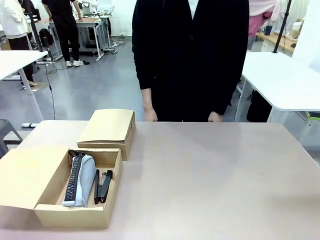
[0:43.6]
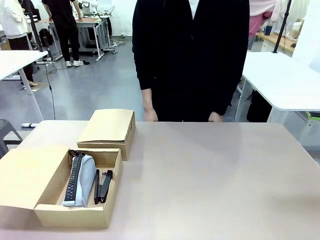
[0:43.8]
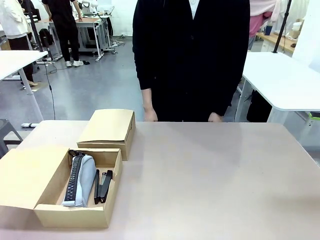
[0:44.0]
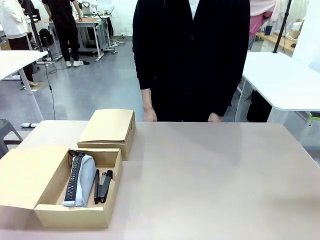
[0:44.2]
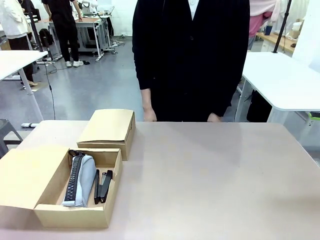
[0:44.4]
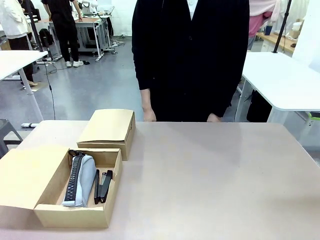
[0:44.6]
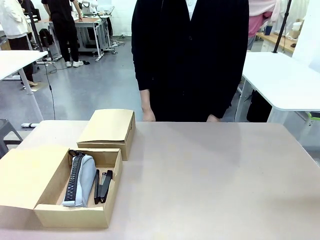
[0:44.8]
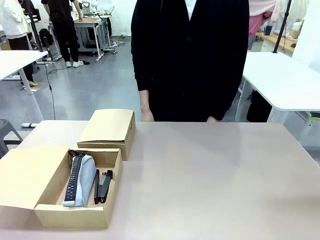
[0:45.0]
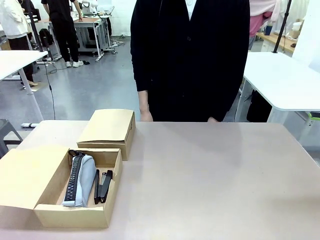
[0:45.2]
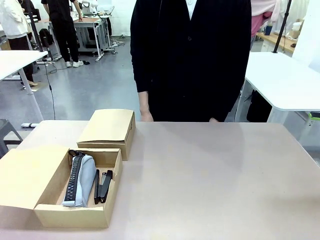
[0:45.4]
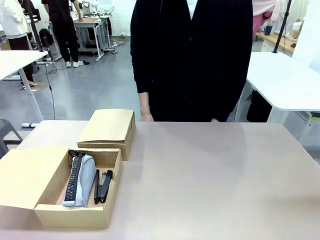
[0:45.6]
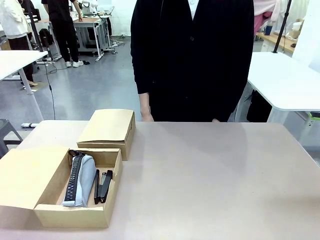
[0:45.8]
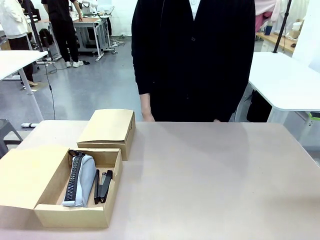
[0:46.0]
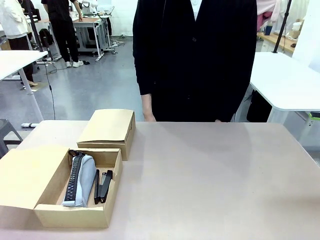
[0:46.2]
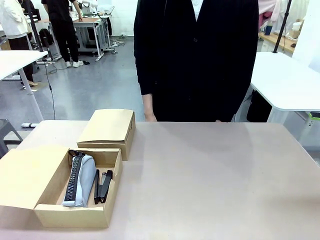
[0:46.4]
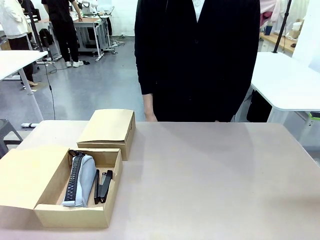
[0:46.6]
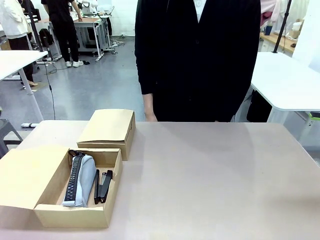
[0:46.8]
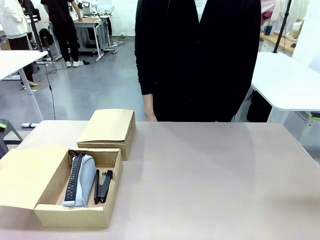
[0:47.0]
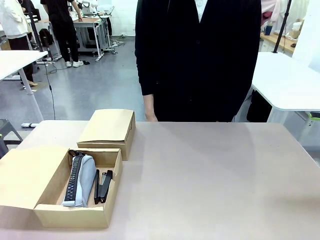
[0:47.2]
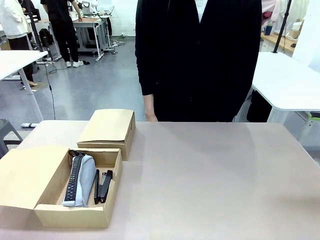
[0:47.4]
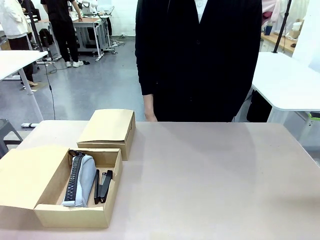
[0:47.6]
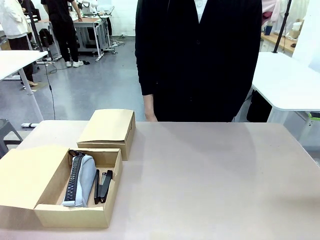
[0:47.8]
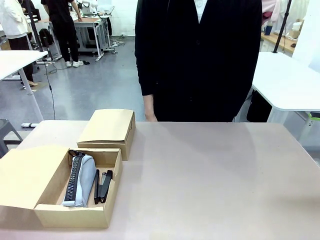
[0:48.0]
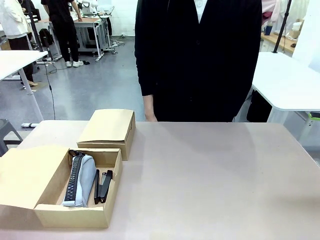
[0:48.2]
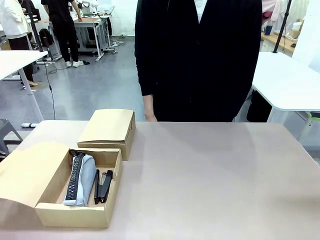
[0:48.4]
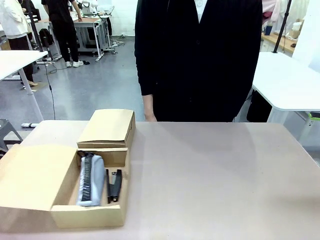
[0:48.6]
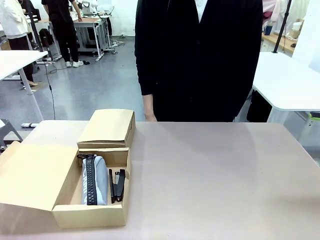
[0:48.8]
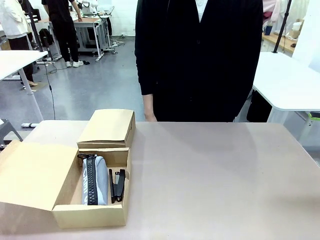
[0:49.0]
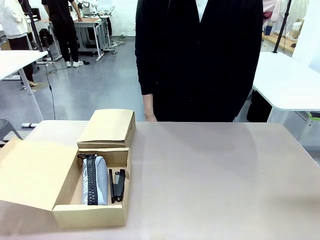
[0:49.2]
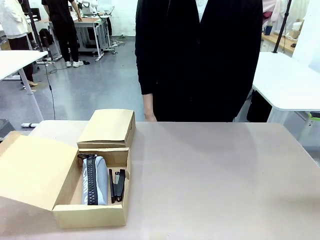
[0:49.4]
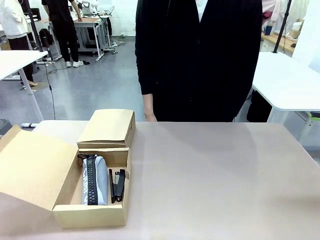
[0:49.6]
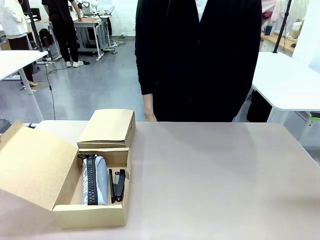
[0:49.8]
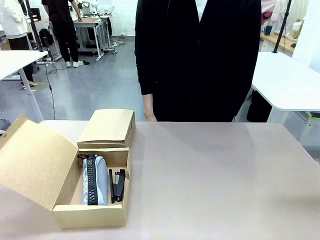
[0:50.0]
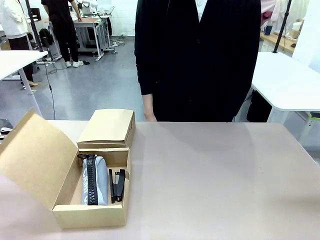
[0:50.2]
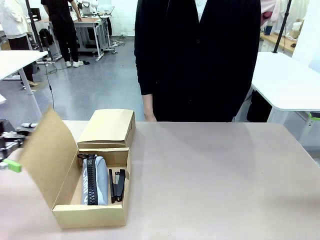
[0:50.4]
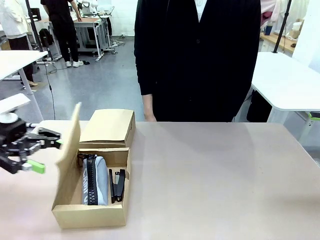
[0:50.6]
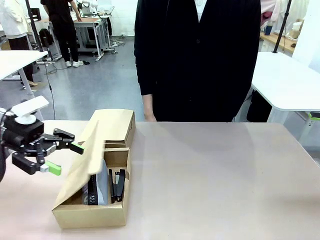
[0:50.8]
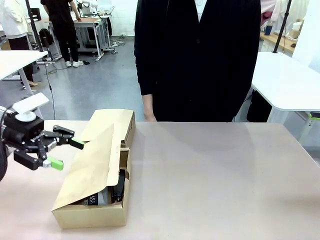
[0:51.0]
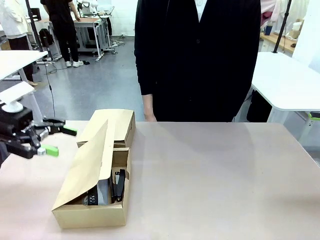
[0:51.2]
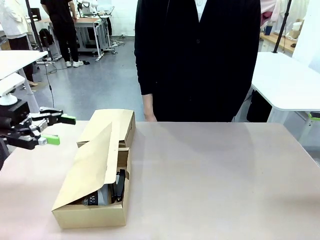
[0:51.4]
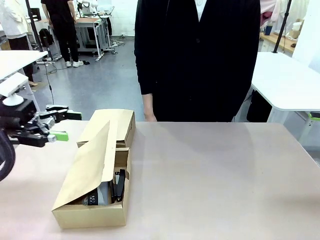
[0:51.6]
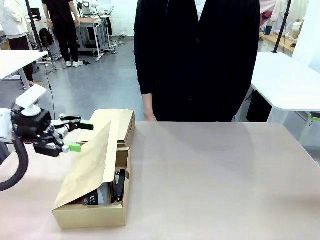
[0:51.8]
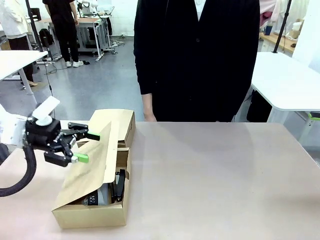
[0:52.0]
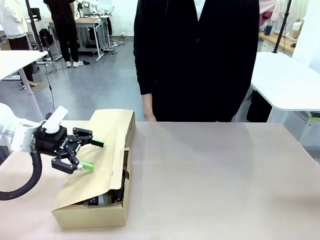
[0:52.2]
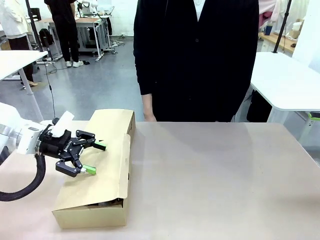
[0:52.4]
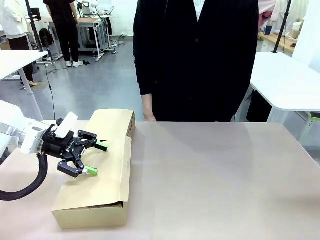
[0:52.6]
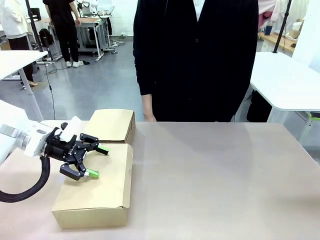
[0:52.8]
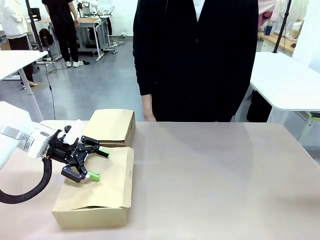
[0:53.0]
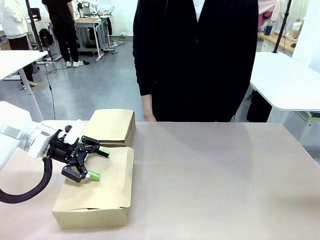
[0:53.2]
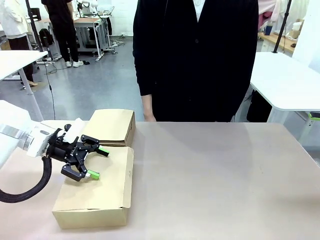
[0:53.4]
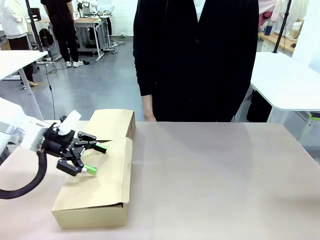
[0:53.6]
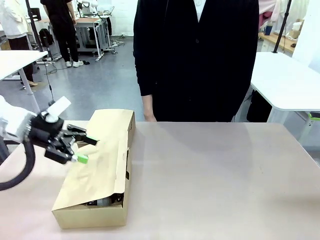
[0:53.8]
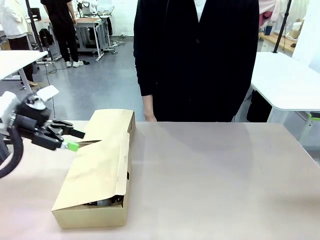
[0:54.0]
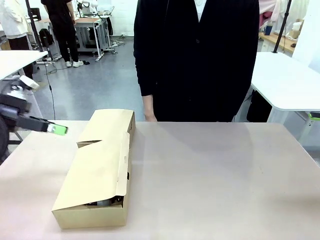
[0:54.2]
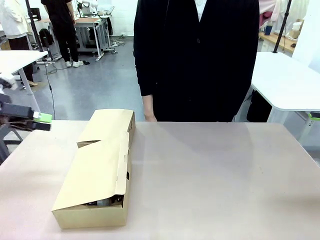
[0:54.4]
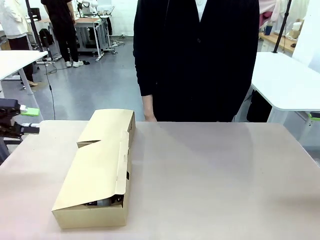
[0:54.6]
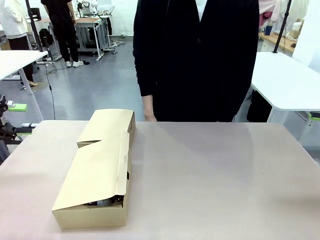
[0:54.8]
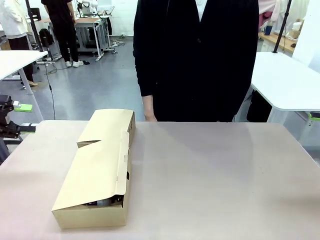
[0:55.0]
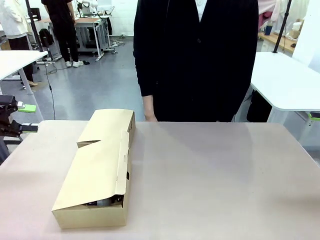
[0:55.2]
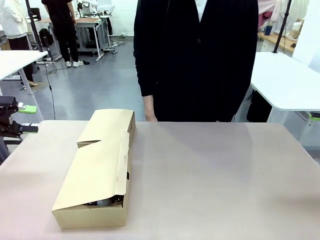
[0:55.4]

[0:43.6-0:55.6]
Task: Place items inside the box.
Robot: Close the lid of the Mailer Box closest to the robot.

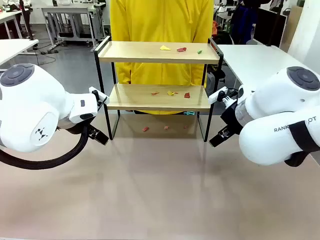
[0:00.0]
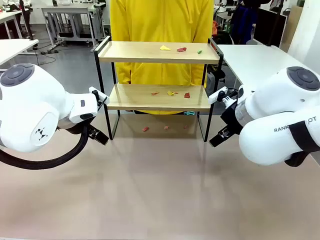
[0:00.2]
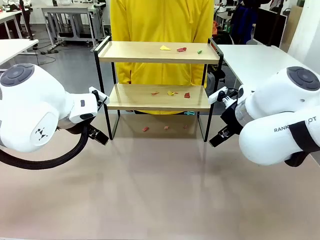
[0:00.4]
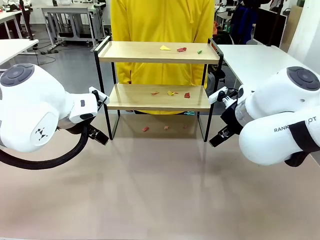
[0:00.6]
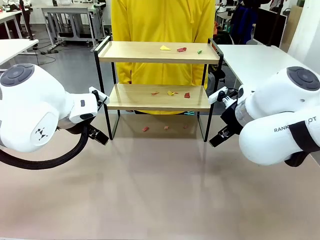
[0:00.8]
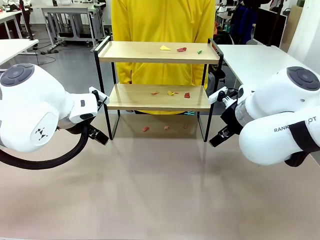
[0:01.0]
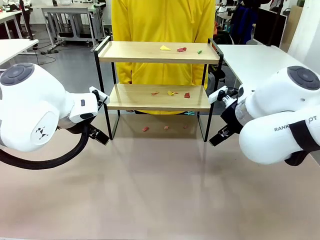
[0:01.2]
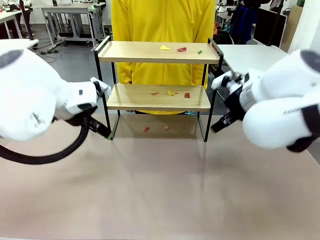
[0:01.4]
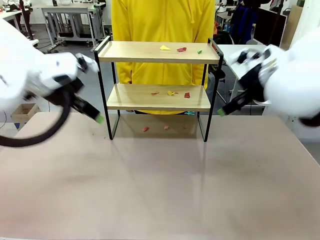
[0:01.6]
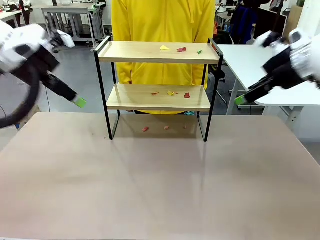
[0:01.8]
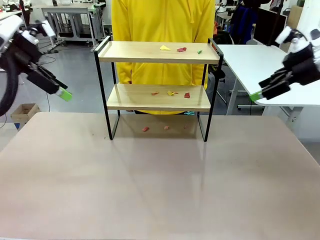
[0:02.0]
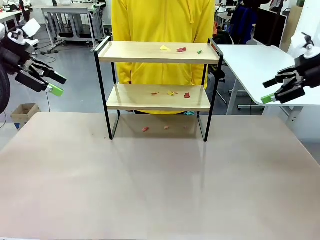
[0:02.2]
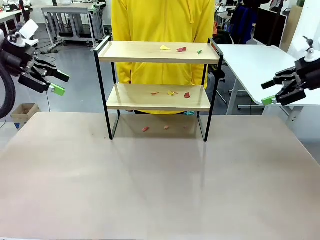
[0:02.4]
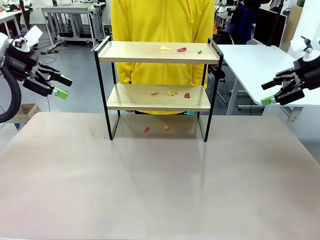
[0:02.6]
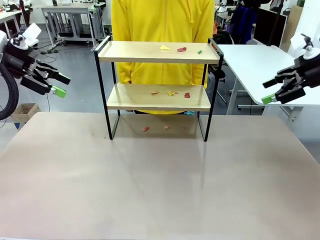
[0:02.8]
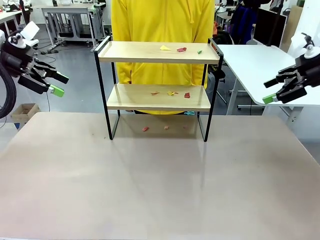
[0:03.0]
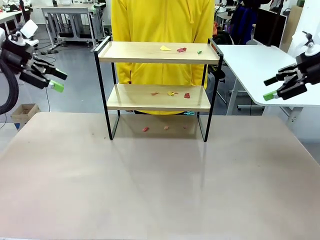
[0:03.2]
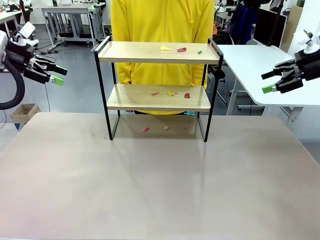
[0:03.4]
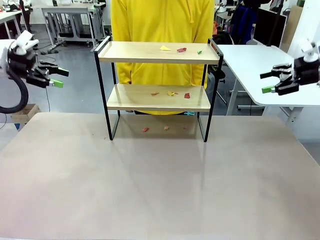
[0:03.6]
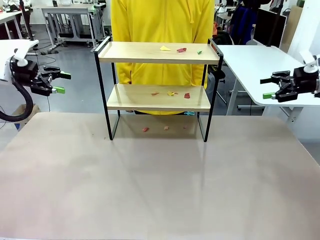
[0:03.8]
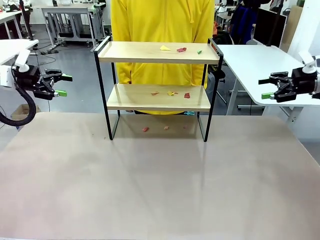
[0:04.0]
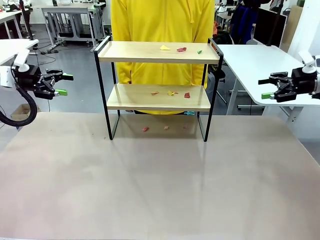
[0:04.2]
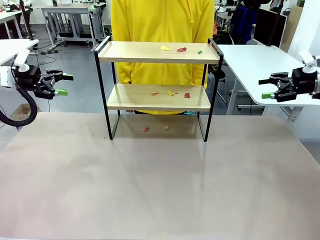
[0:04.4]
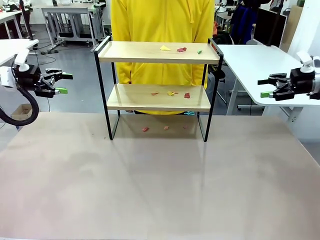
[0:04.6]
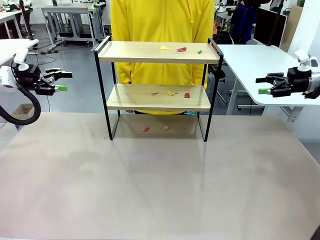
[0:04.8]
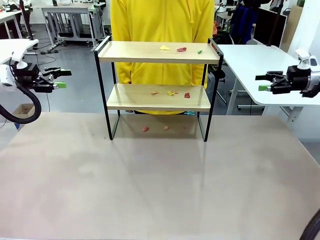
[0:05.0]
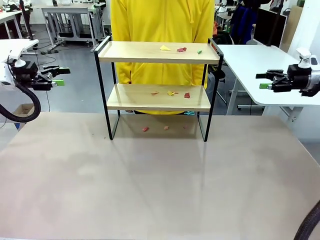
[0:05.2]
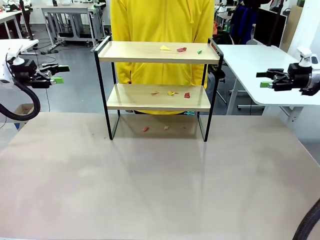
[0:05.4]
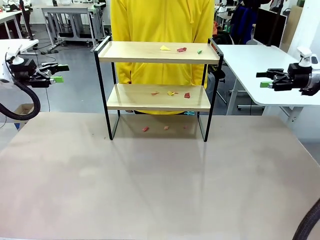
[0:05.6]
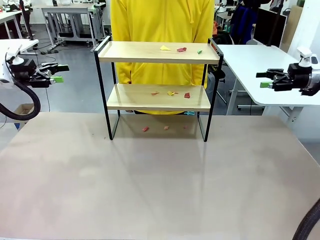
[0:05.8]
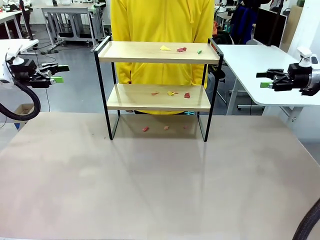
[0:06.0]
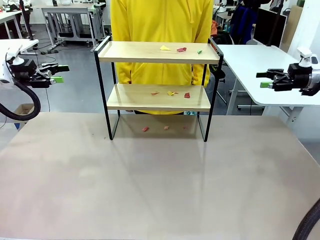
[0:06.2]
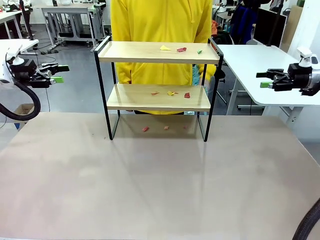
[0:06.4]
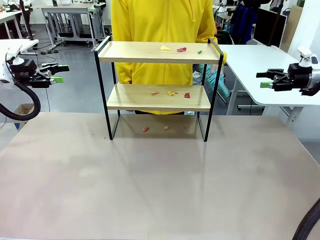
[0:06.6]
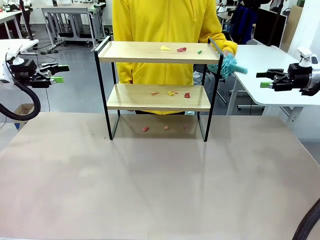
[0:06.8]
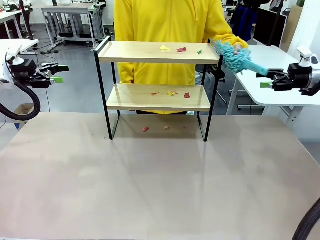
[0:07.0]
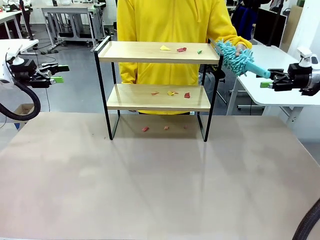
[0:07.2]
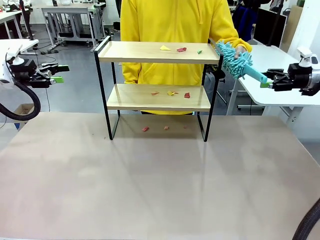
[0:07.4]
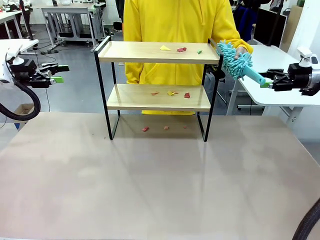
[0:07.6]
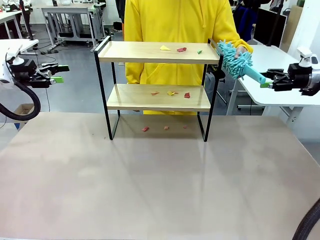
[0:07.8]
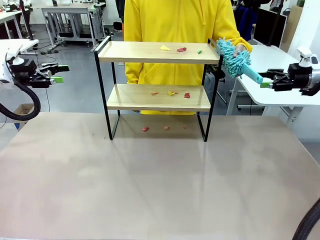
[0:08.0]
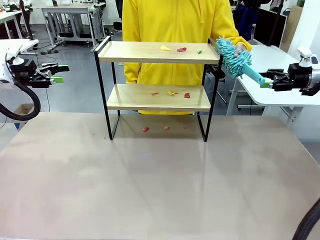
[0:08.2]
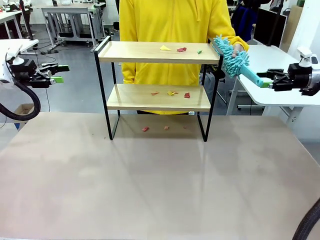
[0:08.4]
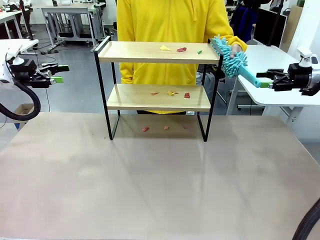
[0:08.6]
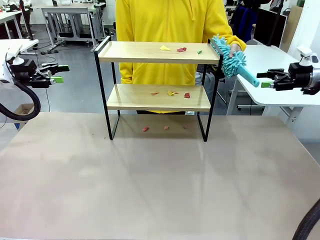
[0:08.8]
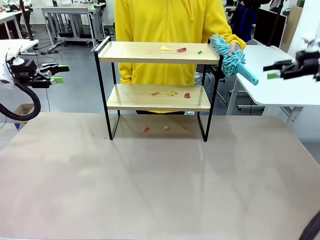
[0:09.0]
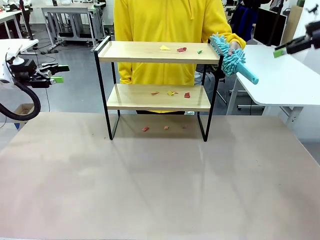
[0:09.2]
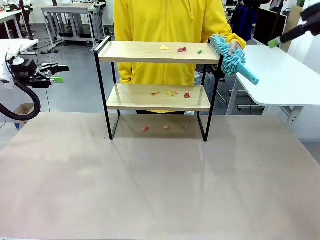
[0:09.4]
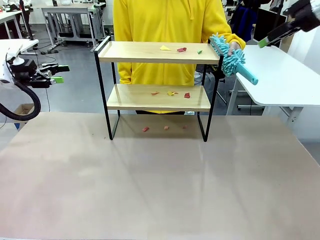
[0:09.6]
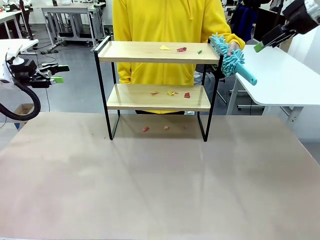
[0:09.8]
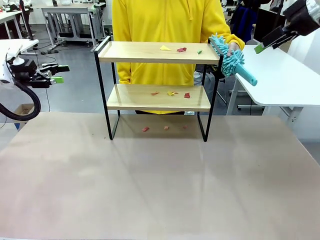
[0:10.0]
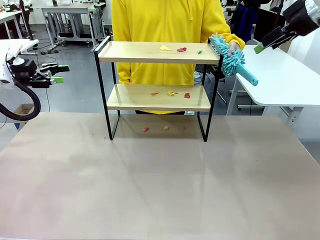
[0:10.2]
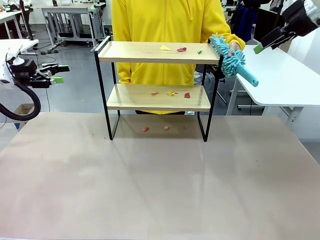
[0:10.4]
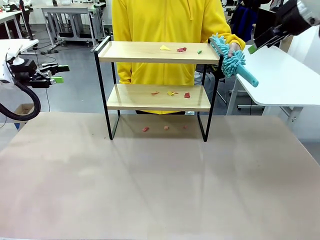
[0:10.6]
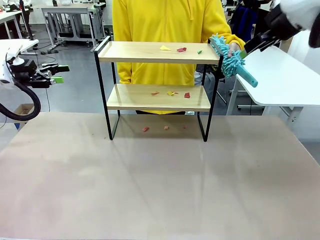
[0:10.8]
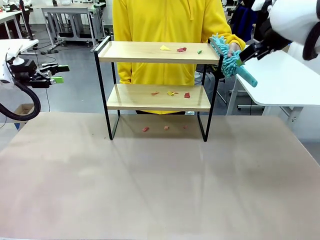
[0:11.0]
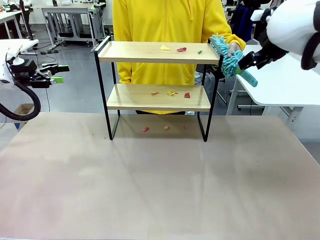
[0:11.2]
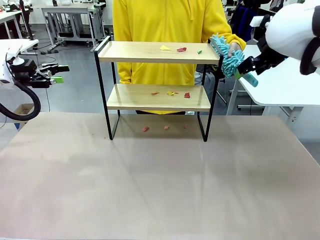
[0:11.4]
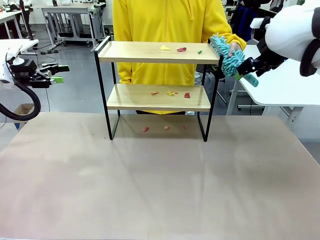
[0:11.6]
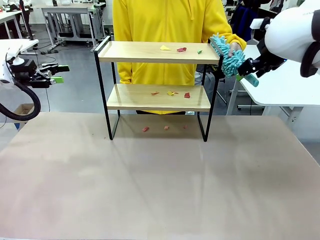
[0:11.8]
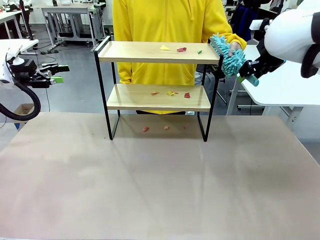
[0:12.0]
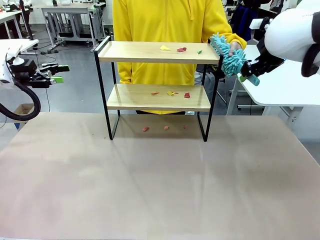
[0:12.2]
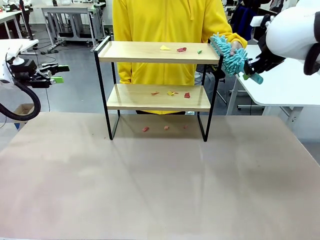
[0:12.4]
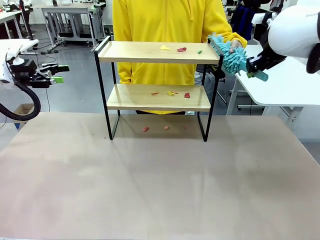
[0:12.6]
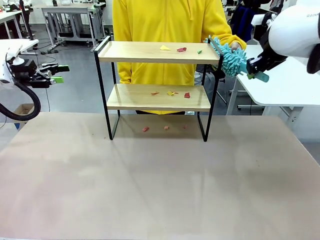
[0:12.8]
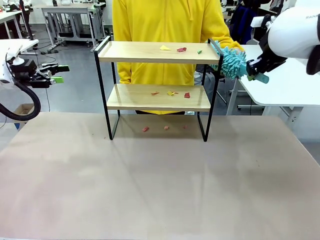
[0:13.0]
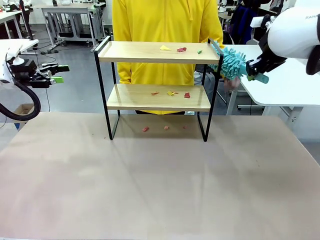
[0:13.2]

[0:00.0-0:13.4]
Task: Clean the shelf.
Robot: Pick up the Duster handed by the human.
Person: Hand the Duster to the robot.
